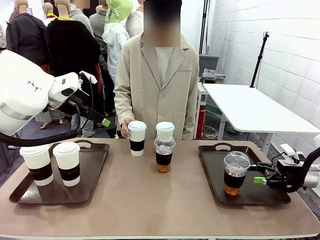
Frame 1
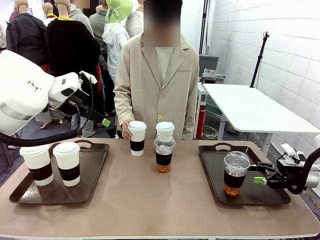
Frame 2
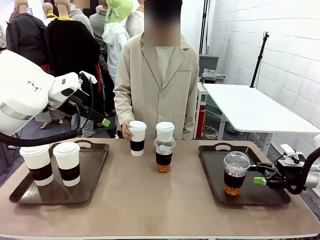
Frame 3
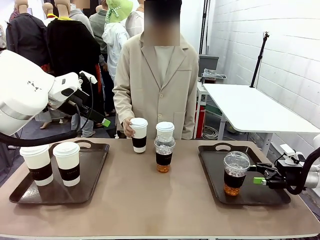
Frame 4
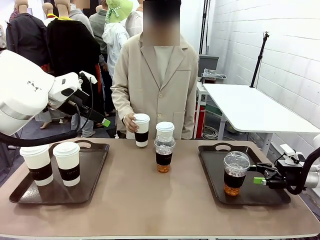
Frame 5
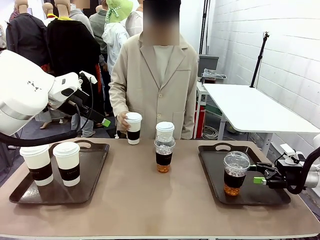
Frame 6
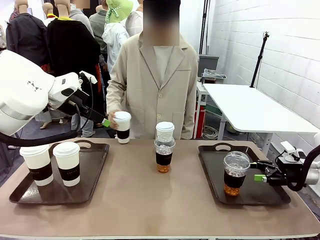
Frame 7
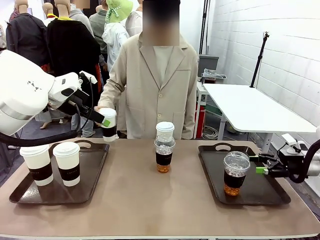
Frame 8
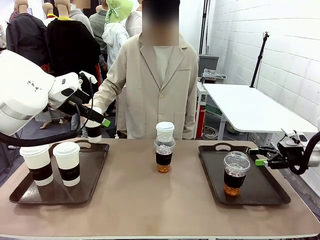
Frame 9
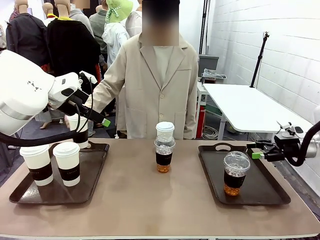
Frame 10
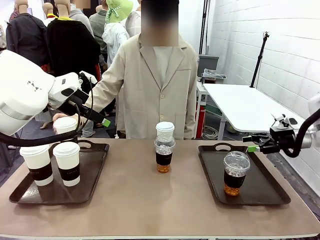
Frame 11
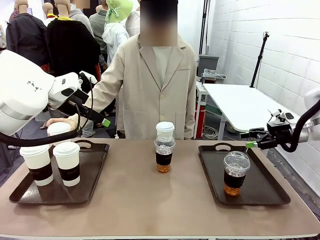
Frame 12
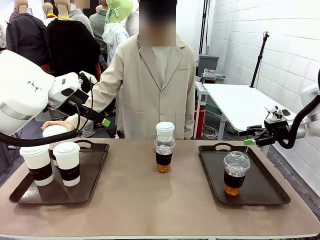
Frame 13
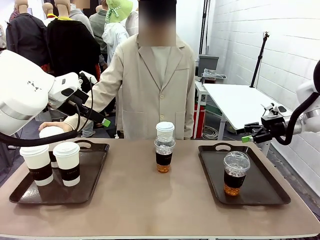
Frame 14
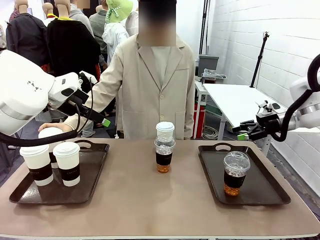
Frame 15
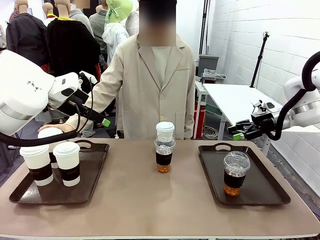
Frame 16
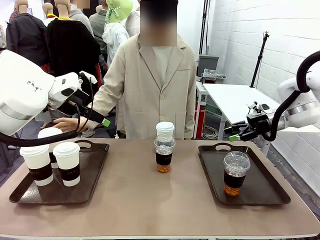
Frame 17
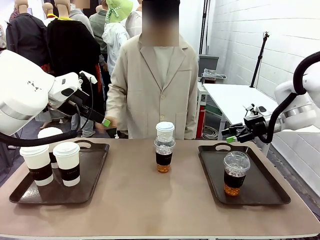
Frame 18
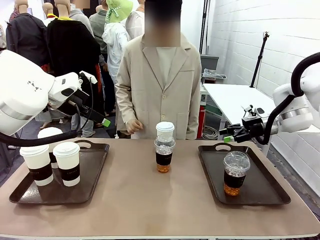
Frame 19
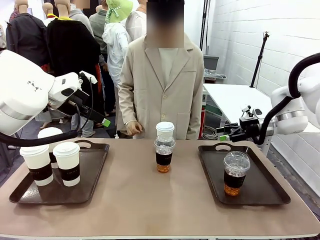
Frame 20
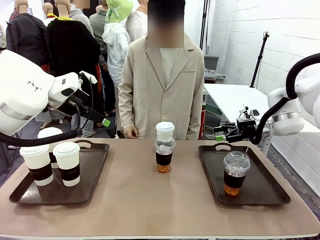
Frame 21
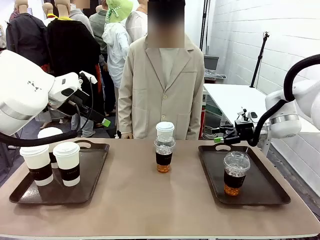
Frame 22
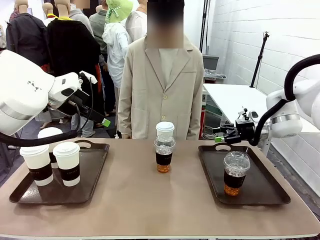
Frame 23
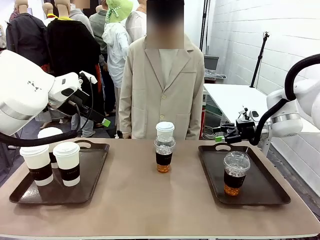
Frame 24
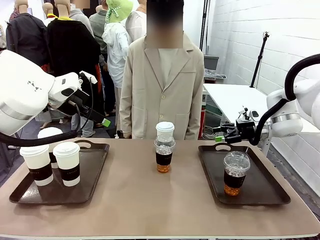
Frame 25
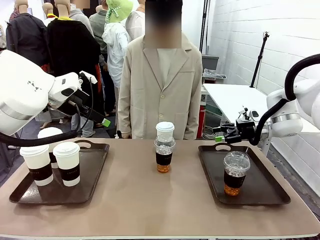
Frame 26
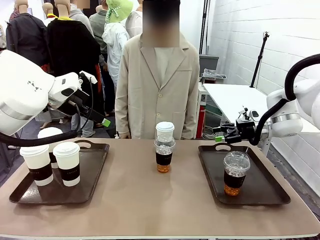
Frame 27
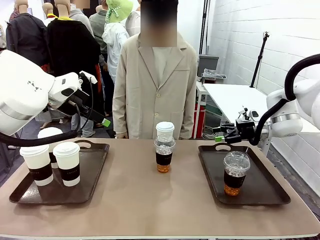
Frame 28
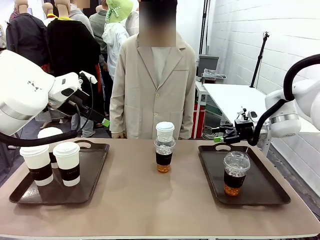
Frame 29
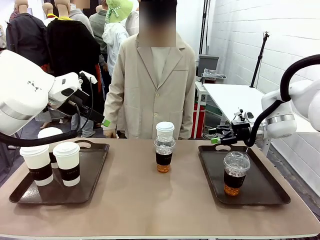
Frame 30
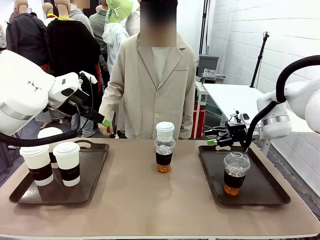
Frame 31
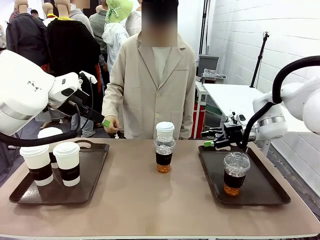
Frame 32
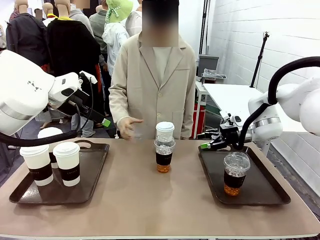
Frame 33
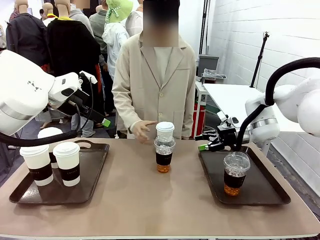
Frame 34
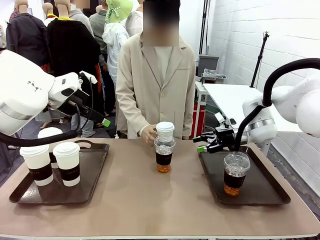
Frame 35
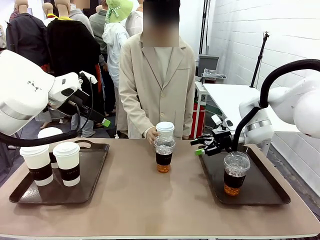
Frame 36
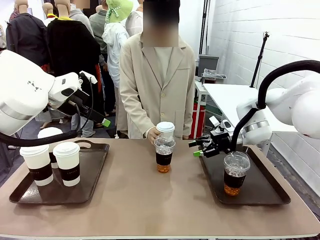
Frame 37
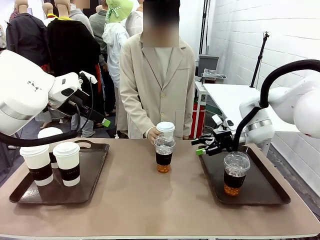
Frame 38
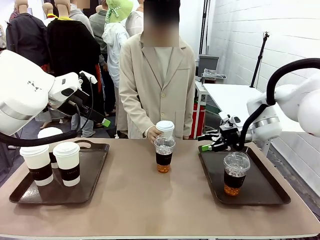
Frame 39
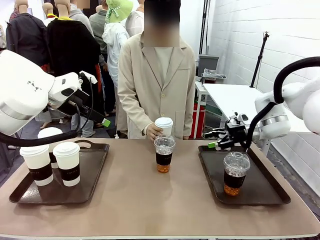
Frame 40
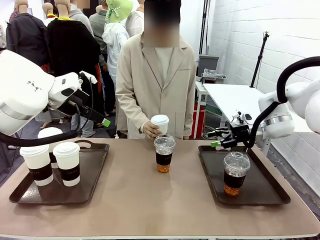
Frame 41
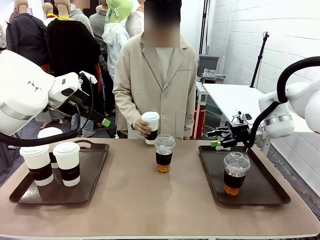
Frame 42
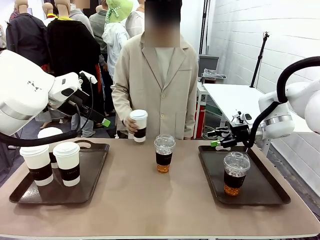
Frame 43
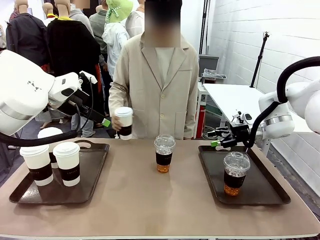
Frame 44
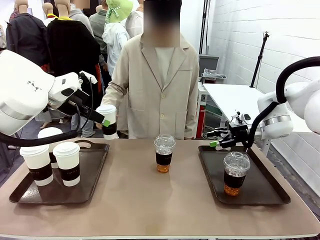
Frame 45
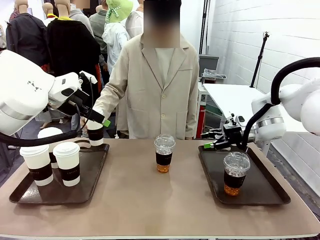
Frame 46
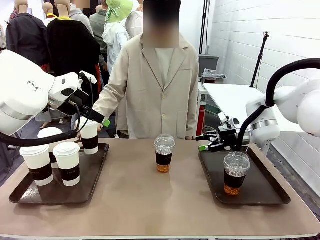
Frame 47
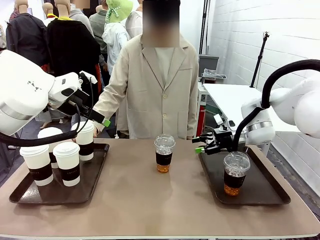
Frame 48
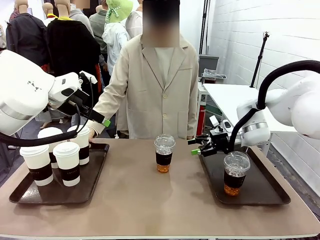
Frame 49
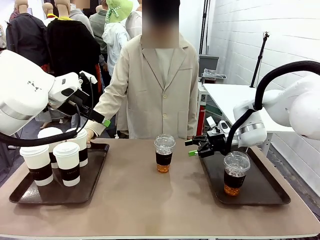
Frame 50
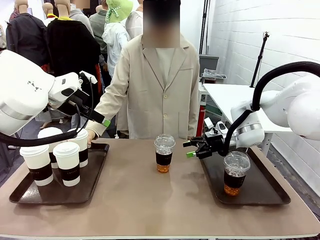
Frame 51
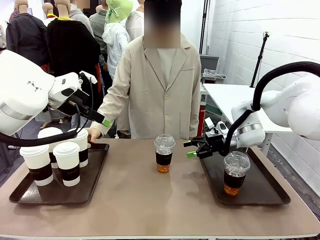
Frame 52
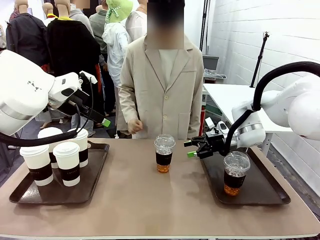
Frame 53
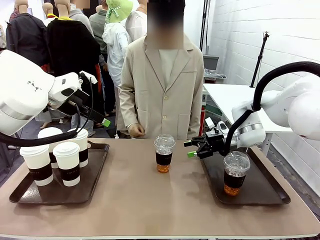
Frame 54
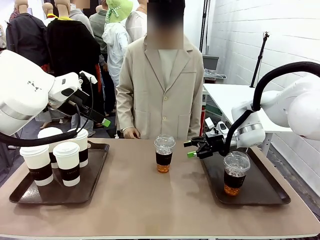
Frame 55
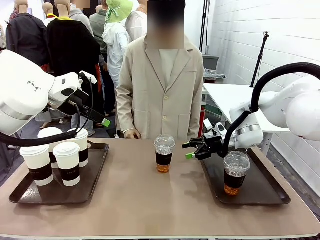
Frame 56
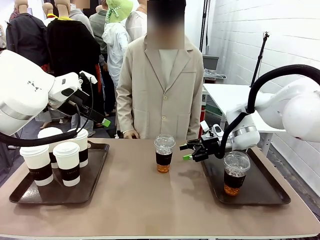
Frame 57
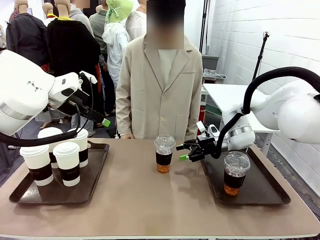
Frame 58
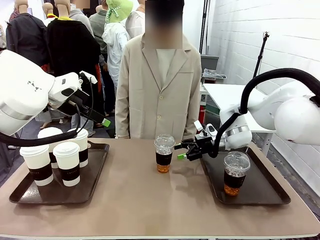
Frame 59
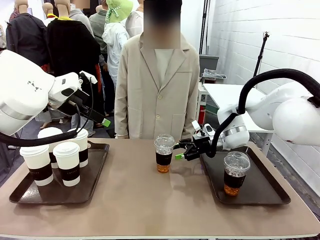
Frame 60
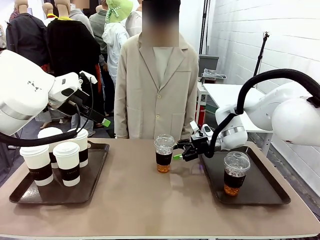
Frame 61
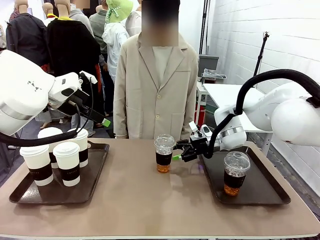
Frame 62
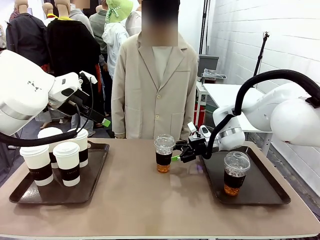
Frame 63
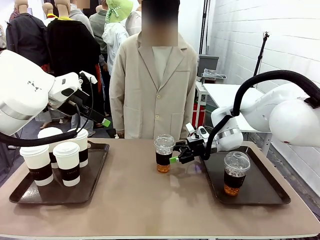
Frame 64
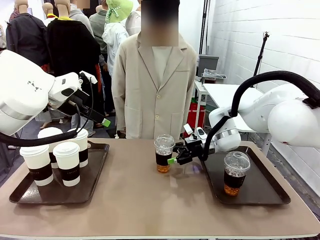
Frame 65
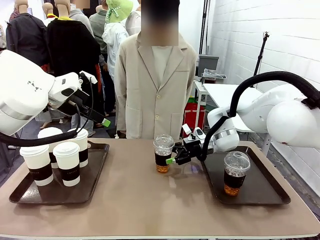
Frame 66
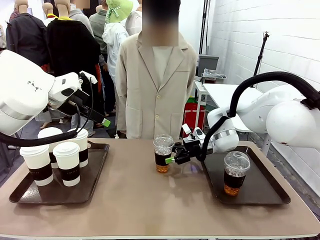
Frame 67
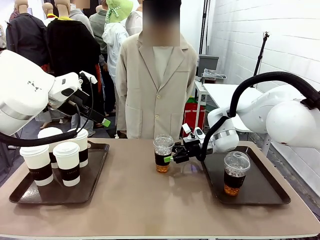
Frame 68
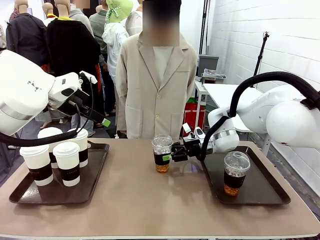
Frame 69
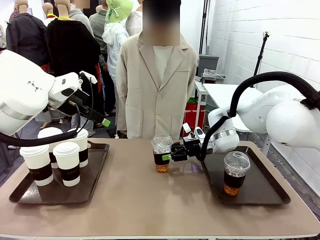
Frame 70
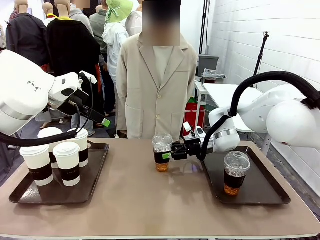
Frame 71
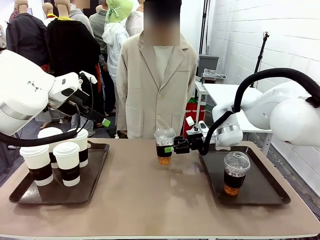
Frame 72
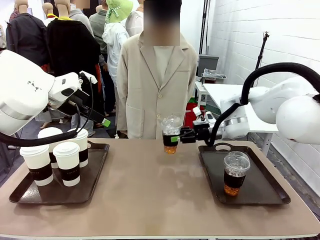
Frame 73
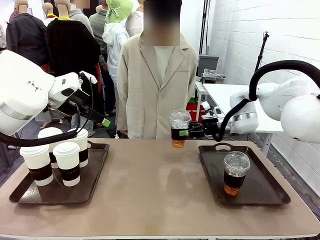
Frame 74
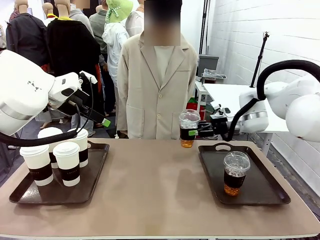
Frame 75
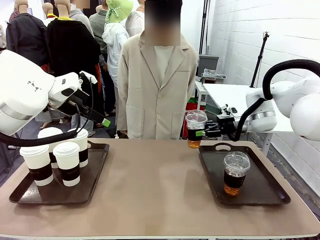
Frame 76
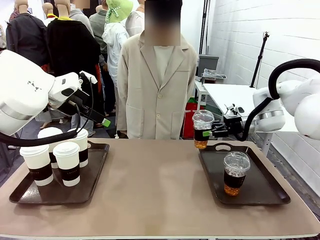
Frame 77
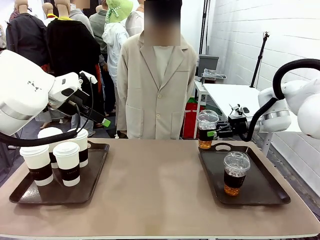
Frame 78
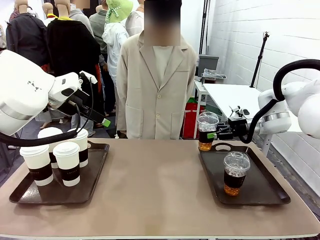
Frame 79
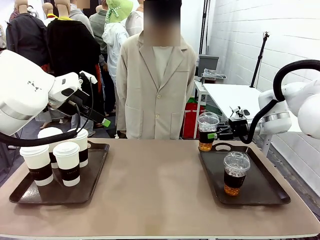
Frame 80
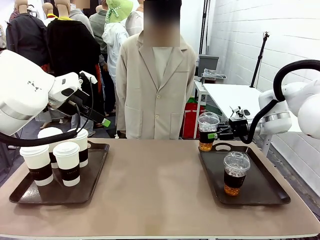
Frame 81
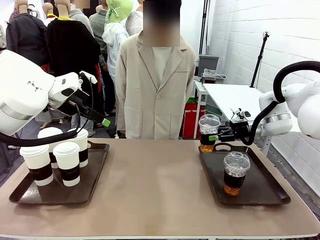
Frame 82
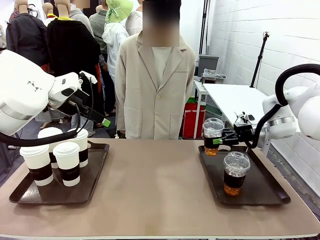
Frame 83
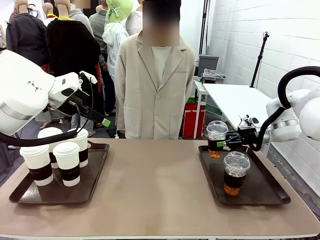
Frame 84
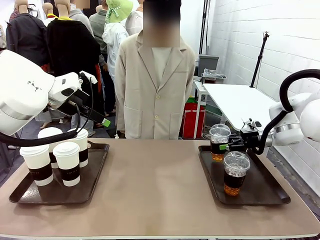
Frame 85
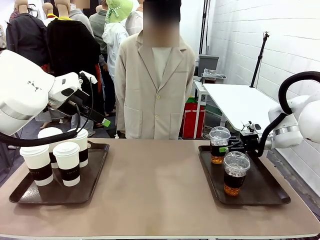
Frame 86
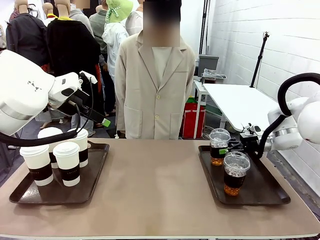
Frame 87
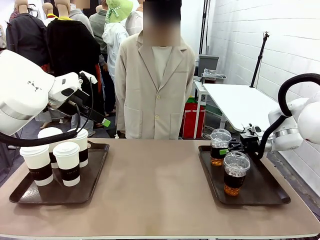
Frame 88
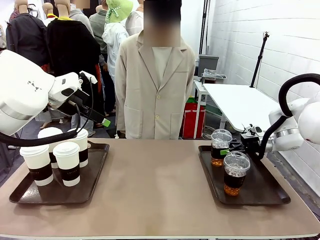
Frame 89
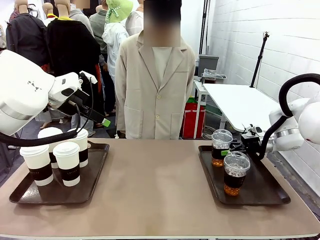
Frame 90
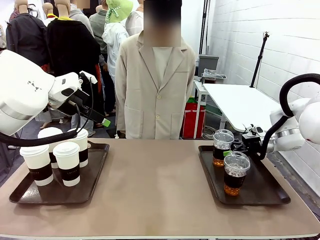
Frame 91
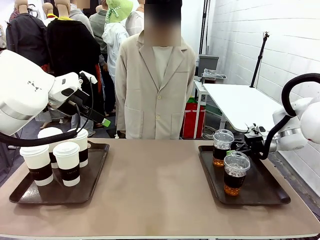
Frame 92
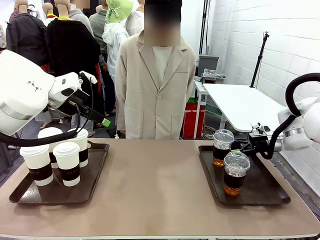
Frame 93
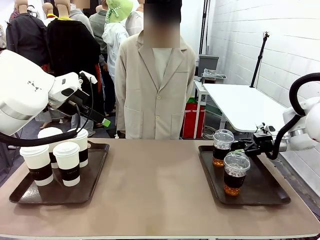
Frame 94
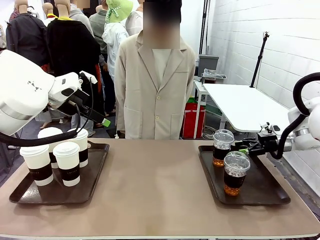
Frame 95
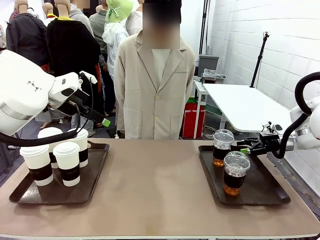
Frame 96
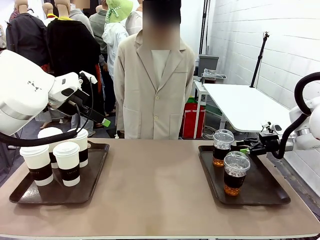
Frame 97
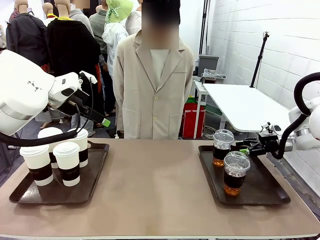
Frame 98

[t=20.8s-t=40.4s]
Task: Distribute the coffee onto the tray.
Robot: Pick up another iced Americano from the middle of the table and place it on the right Handle tray.
Person: Pick up a cup of hot Americano from the middle of the table and place it on the right tray.
